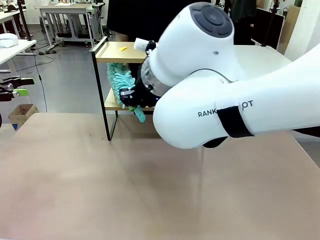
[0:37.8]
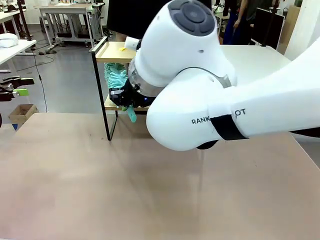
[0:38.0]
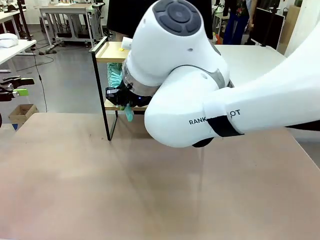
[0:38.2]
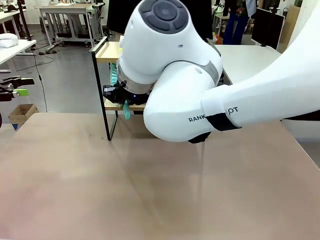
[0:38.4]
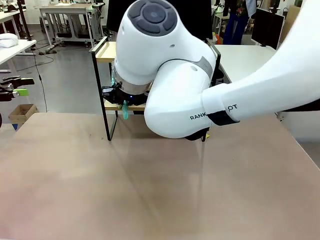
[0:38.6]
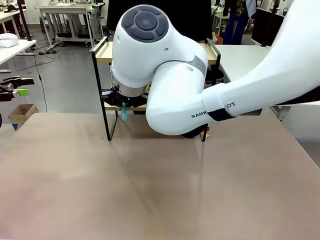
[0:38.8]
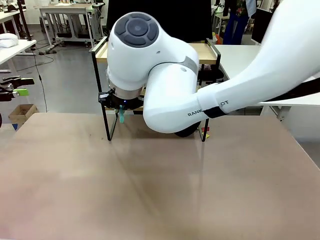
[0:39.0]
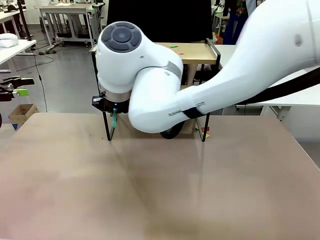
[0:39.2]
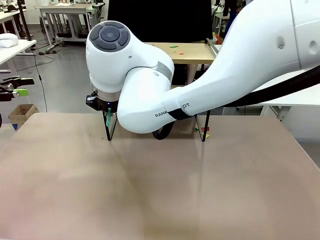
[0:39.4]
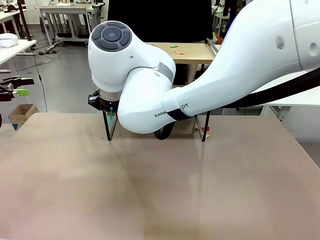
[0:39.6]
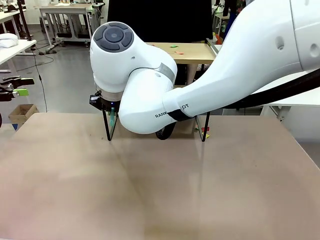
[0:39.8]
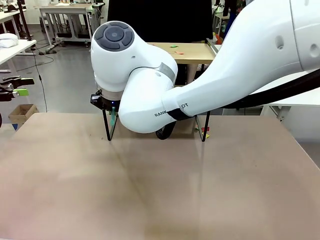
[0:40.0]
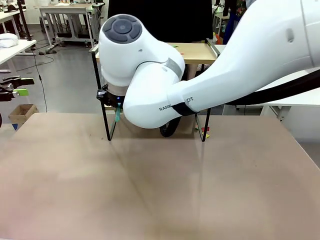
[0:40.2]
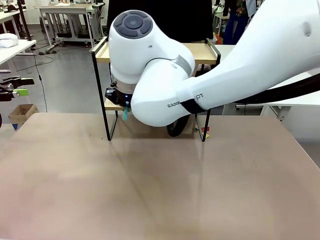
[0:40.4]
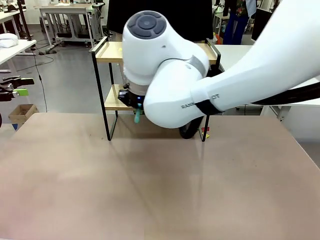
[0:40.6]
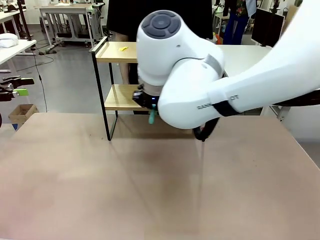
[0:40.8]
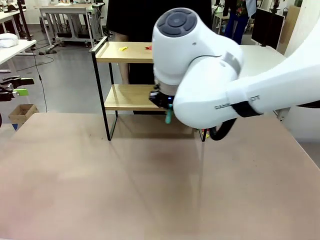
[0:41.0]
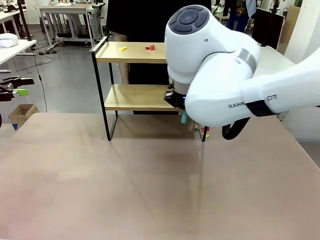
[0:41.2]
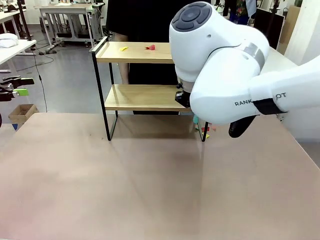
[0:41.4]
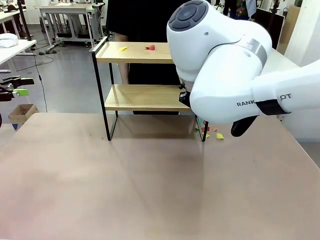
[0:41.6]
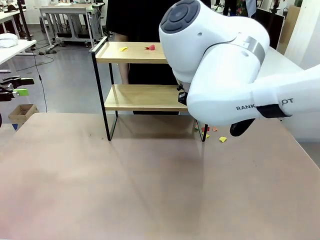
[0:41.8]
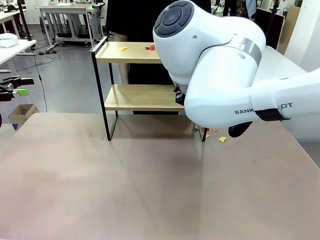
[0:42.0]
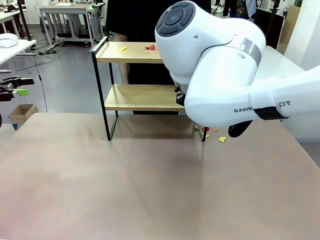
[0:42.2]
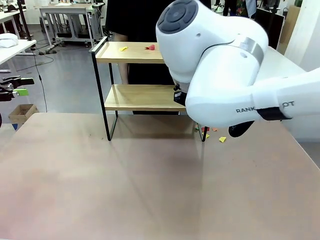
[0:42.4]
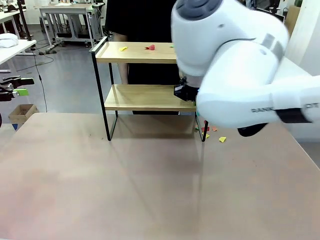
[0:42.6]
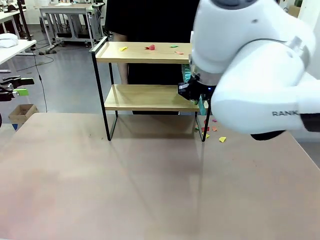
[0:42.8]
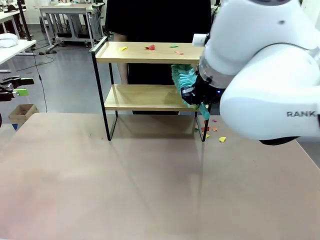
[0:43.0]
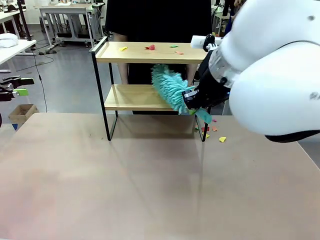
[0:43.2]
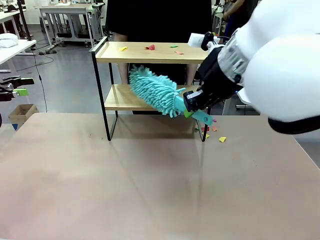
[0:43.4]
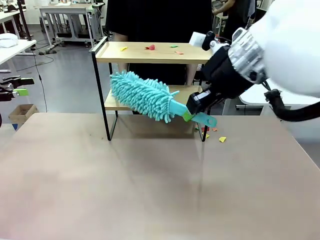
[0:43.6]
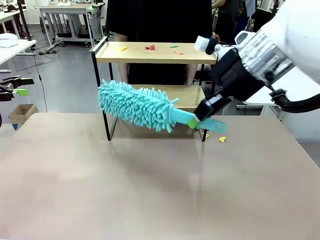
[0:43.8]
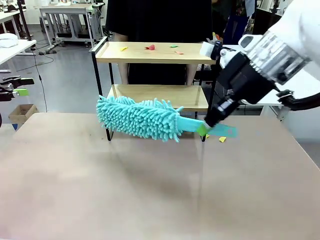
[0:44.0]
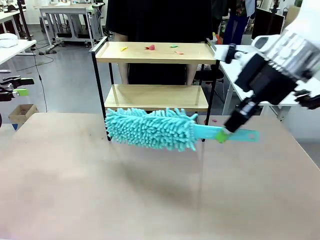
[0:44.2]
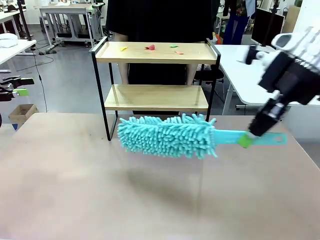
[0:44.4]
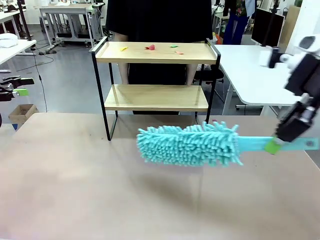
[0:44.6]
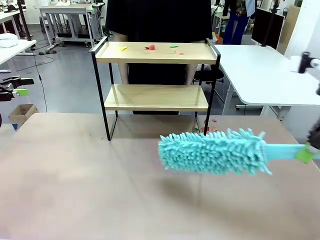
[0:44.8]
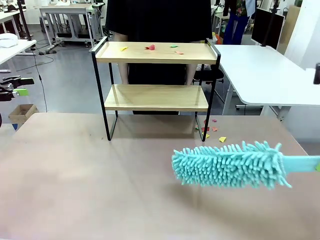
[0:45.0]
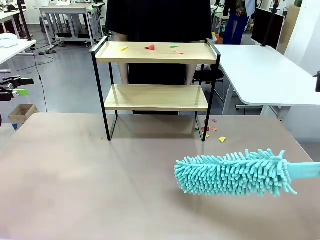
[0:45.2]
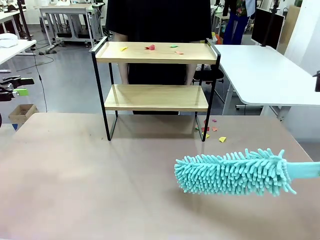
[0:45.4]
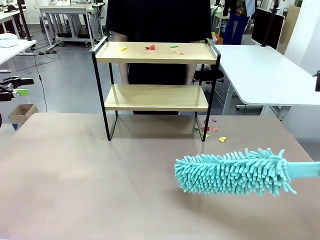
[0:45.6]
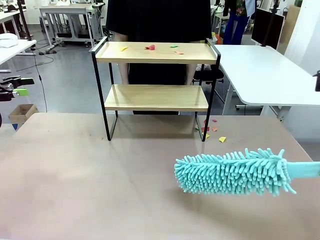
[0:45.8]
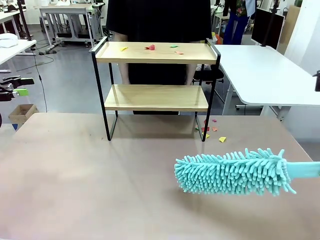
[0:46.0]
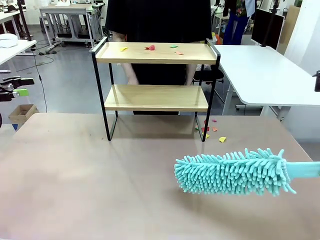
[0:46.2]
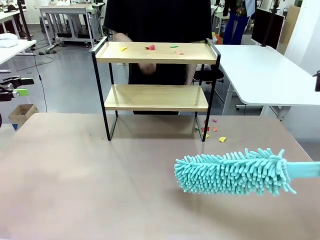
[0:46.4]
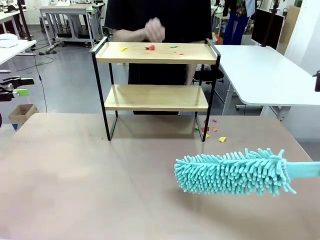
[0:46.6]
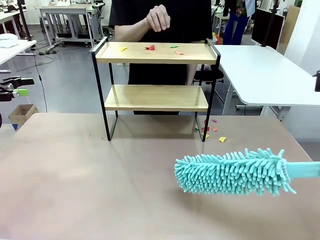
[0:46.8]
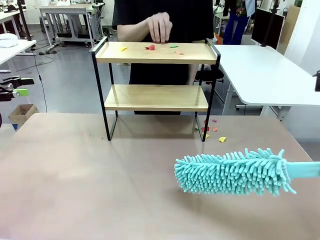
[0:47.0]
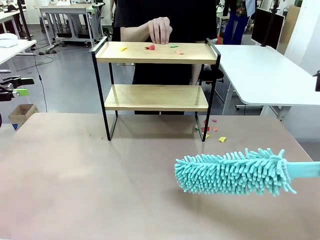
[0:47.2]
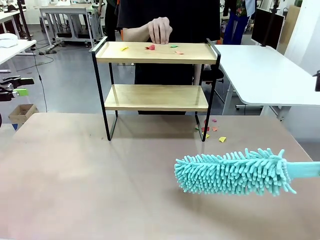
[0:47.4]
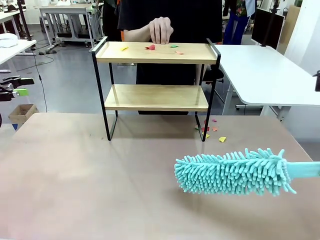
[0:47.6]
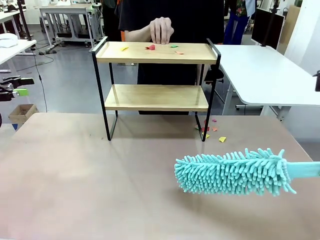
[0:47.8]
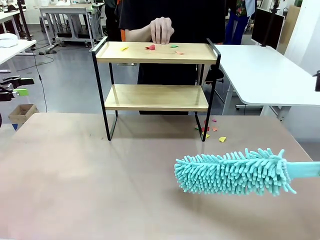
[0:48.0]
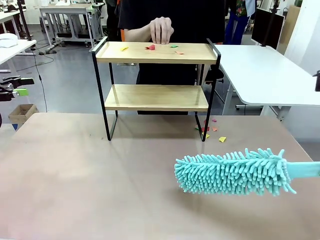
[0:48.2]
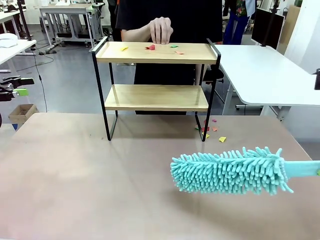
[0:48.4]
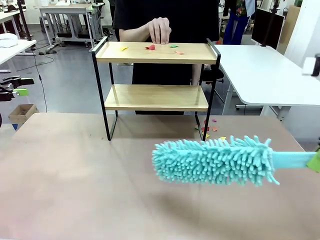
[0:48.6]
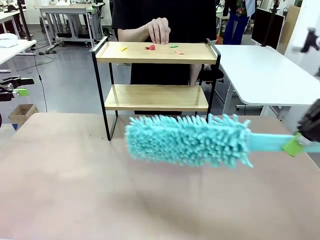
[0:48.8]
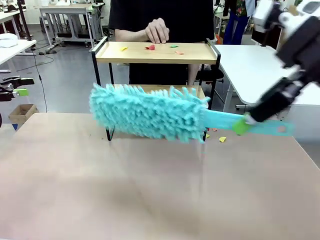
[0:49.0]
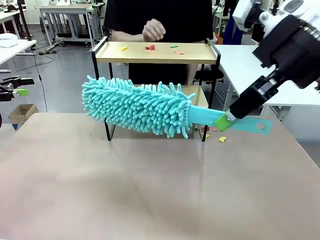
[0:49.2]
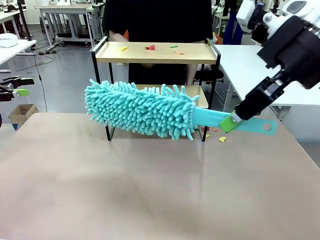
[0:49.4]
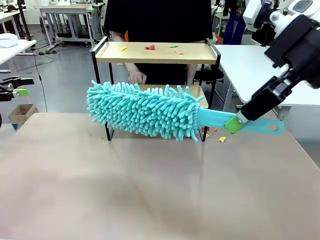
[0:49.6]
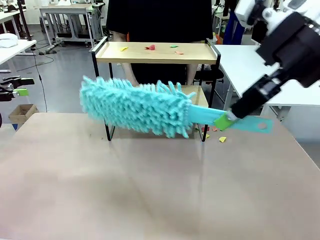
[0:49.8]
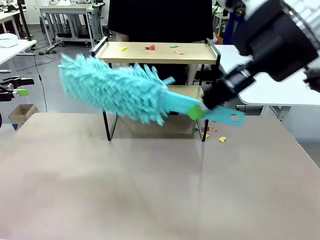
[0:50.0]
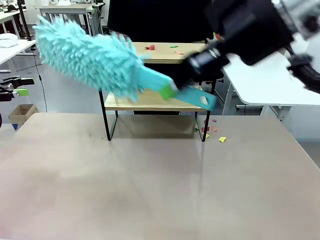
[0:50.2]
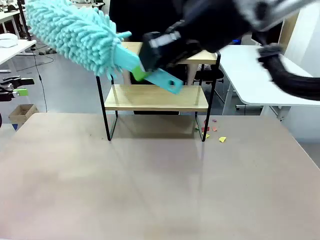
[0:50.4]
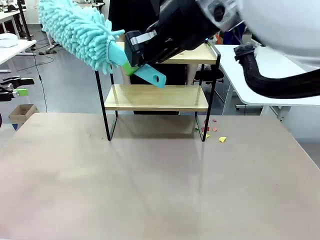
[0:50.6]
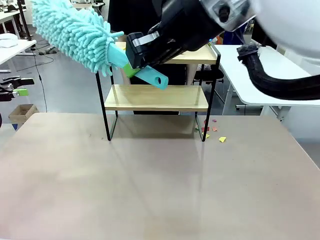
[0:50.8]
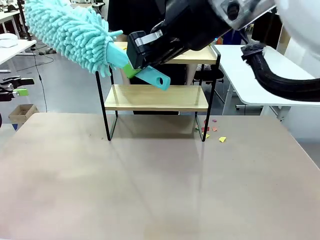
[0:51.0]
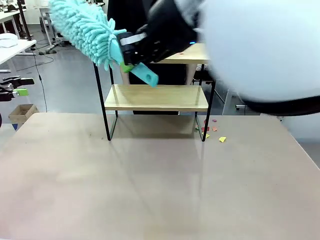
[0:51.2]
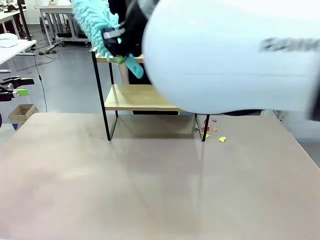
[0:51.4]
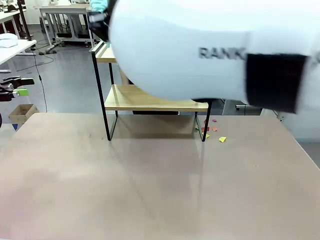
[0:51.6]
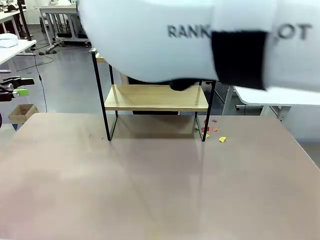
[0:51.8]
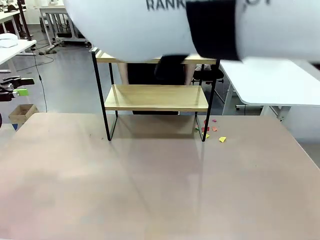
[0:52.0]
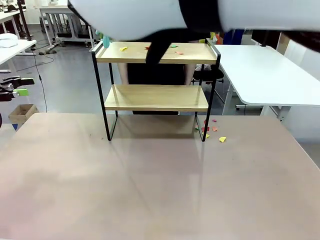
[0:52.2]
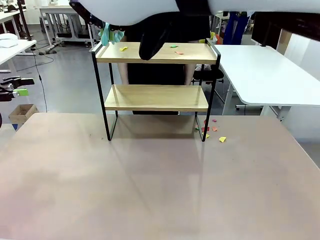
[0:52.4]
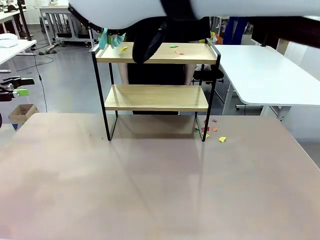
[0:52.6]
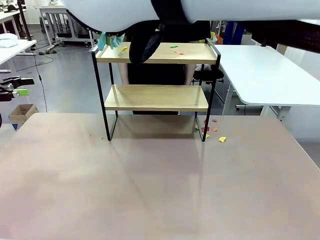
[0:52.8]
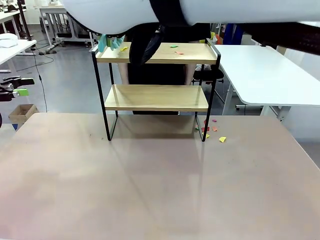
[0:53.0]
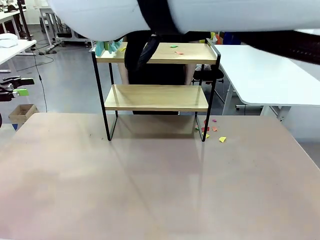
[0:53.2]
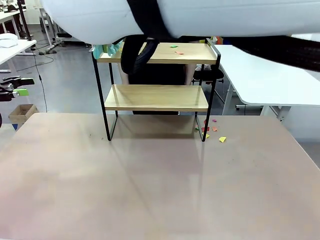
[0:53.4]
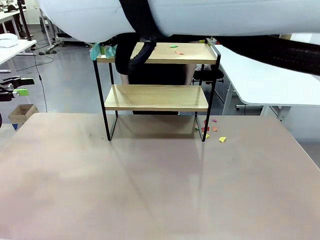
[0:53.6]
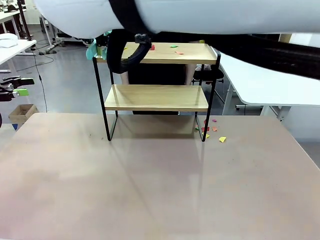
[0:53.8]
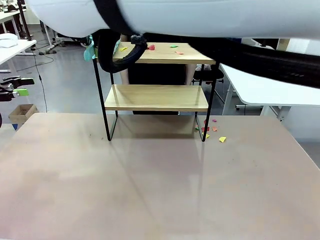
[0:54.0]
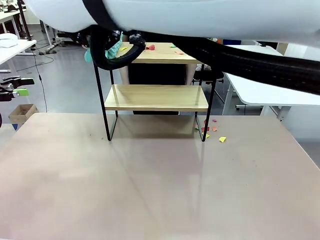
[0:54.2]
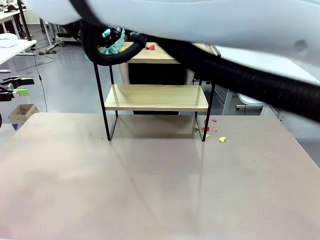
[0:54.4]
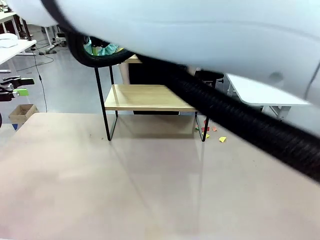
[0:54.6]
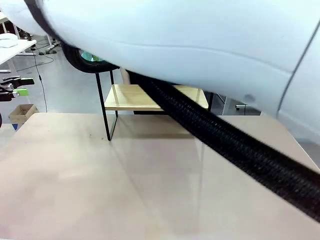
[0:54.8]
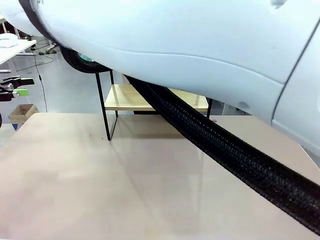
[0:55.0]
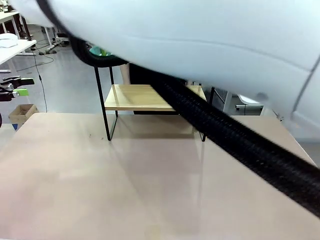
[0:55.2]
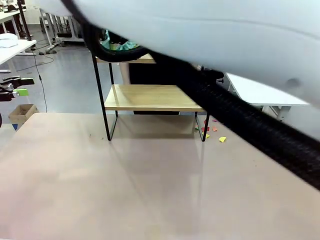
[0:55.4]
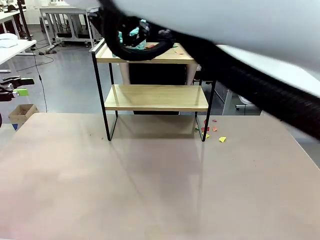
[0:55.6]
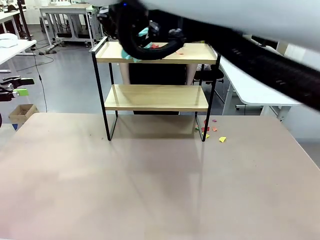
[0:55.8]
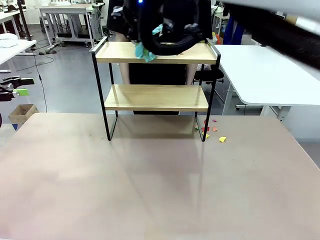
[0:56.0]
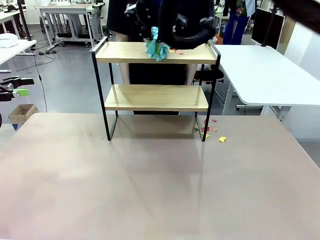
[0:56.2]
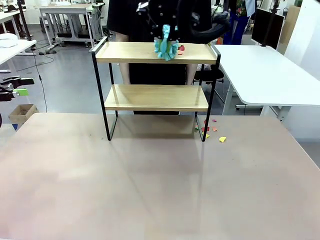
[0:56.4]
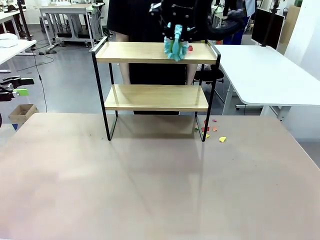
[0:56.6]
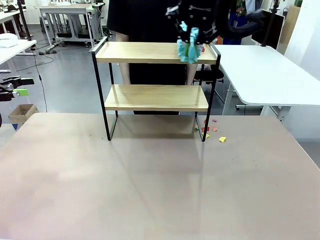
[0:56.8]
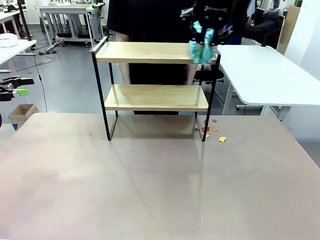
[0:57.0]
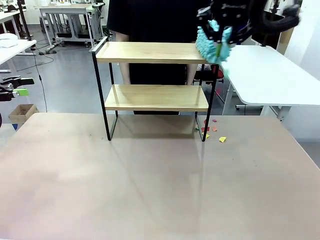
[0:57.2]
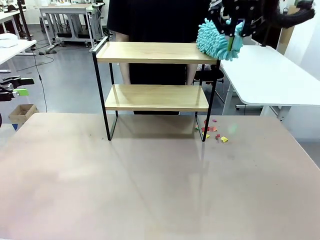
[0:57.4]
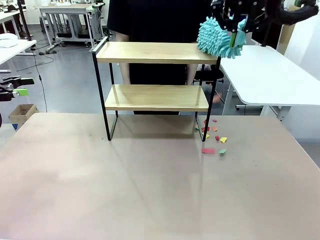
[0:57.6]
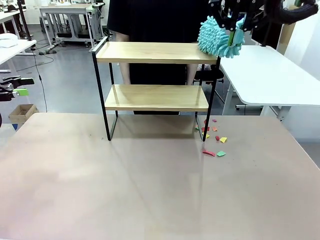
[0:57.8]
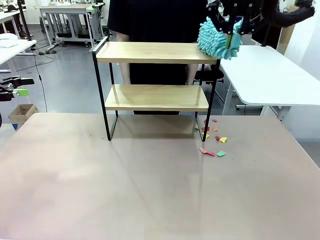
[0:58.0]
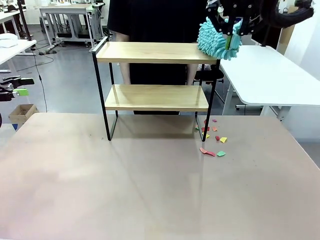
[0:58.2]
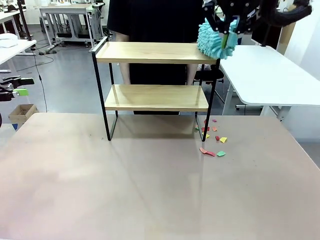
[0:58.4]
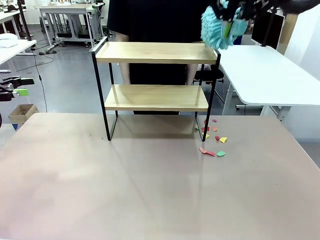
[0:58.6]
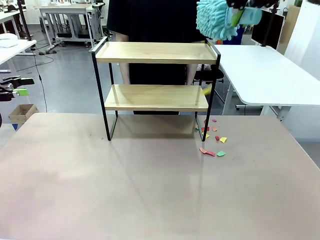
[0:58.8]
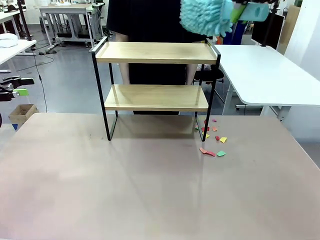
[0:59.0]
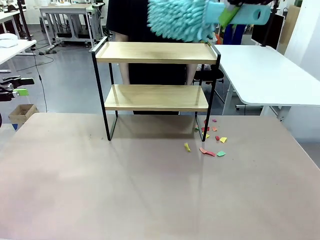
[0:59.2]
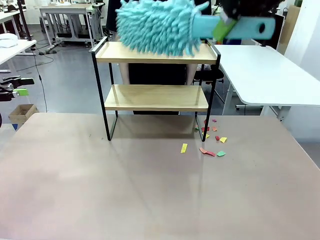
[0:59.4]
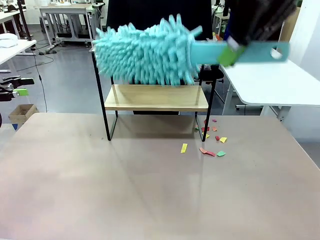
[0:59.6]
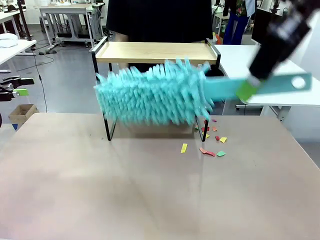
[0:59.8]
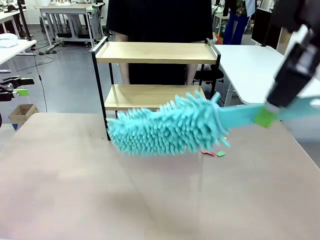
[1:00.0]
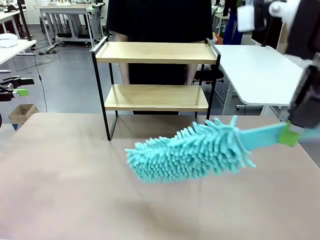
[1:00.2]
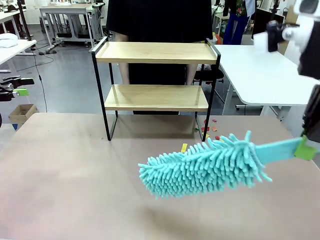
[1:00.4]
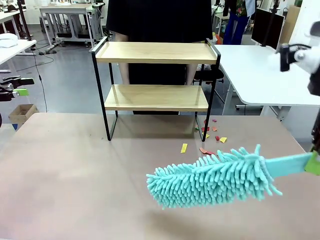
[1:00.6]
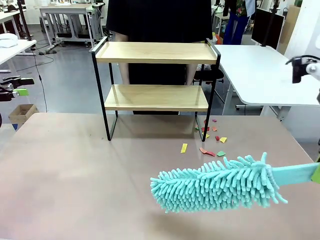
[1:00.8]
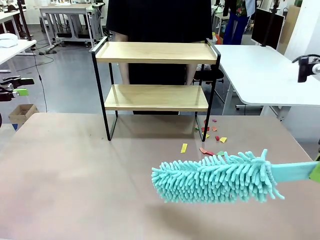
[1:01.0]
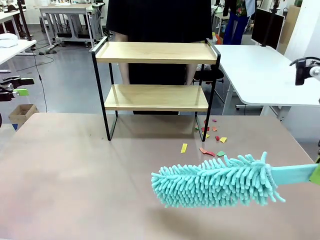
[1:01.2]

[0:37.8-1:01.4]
Task: Clean the shelf.
Robot: Clean the specific section of the Shelf indicated by the human with the Duster.
Person: Point a remaining section of the Shelf.
